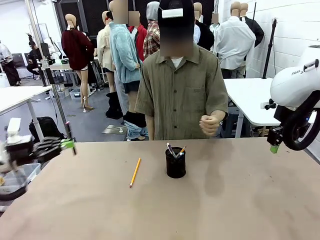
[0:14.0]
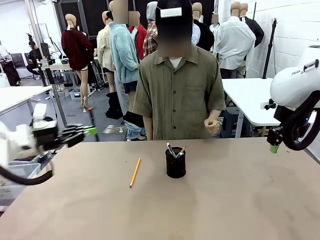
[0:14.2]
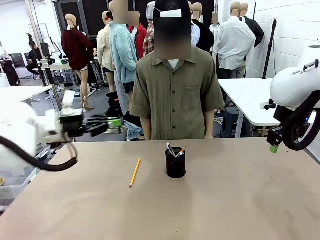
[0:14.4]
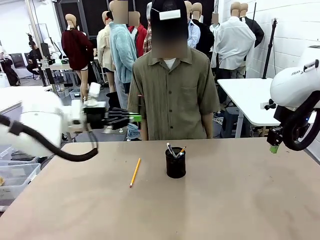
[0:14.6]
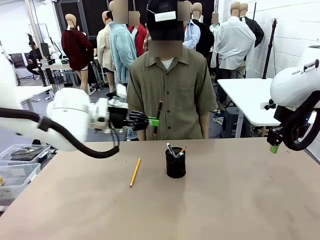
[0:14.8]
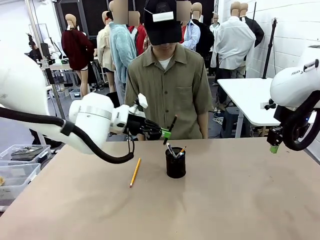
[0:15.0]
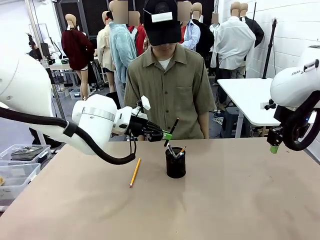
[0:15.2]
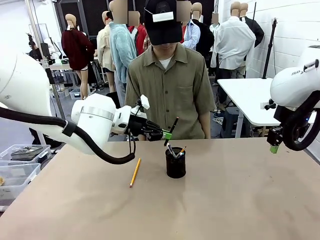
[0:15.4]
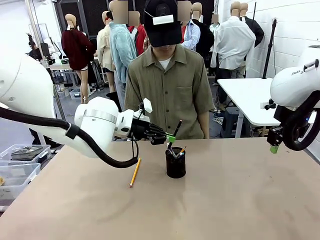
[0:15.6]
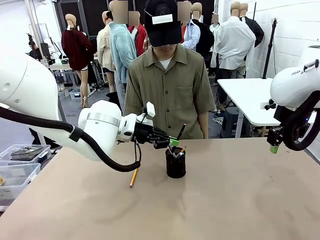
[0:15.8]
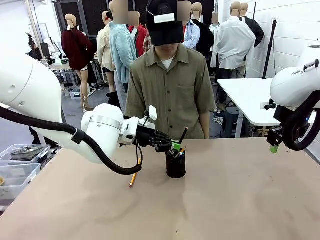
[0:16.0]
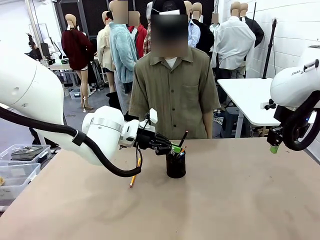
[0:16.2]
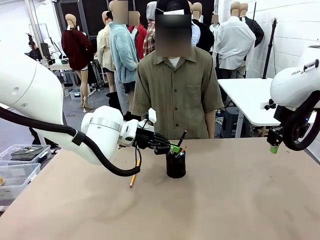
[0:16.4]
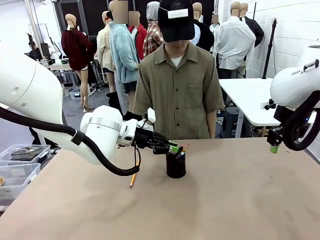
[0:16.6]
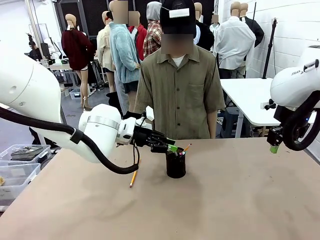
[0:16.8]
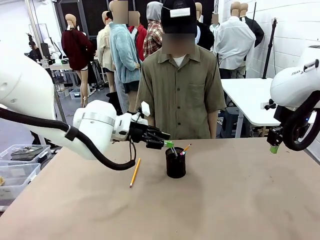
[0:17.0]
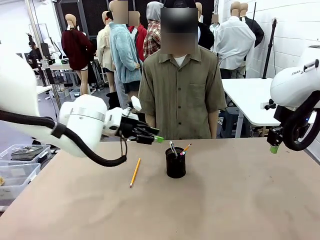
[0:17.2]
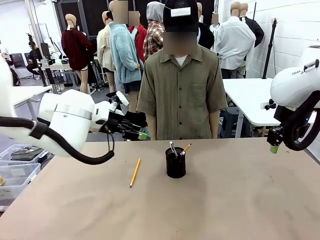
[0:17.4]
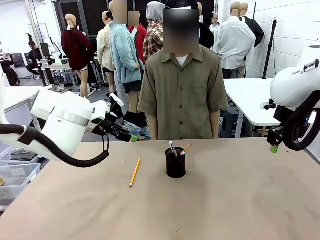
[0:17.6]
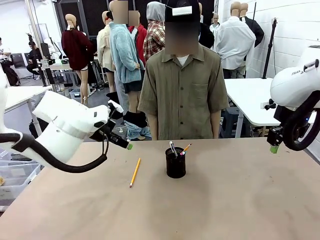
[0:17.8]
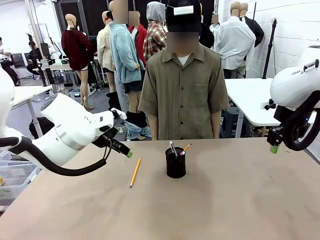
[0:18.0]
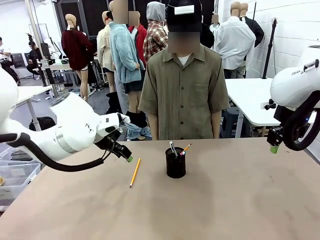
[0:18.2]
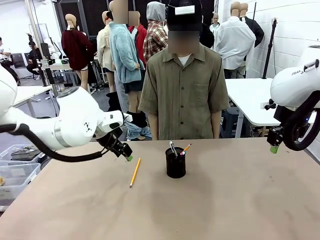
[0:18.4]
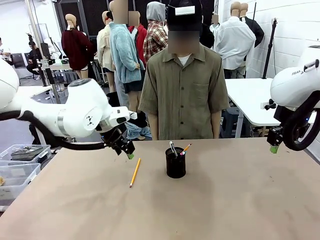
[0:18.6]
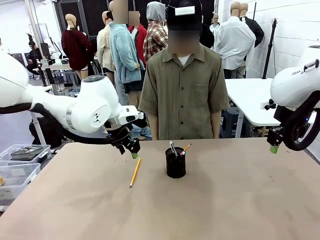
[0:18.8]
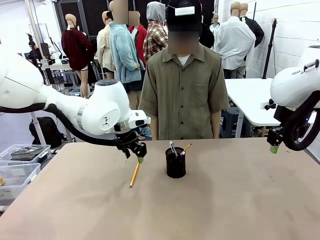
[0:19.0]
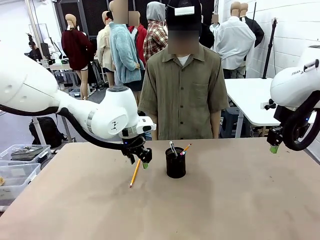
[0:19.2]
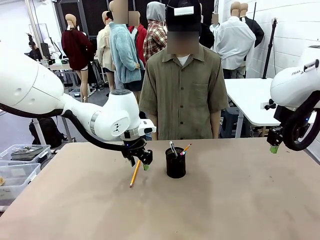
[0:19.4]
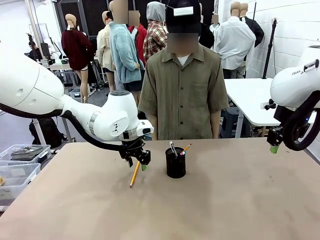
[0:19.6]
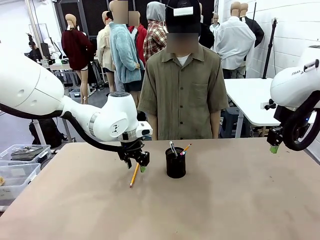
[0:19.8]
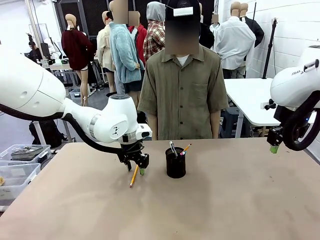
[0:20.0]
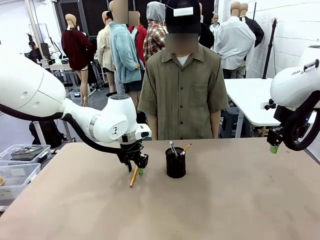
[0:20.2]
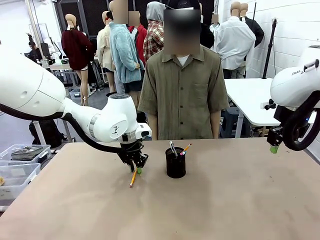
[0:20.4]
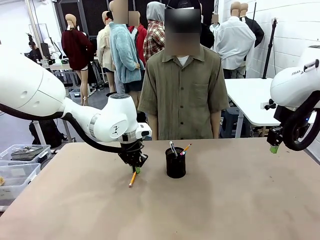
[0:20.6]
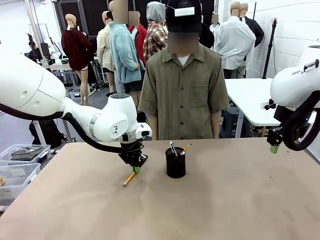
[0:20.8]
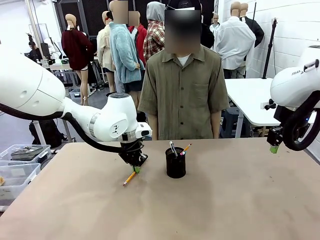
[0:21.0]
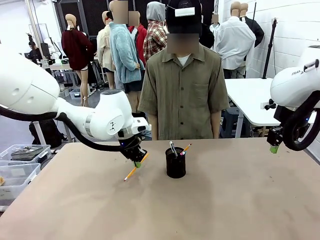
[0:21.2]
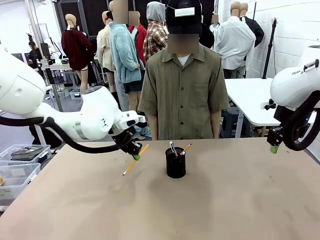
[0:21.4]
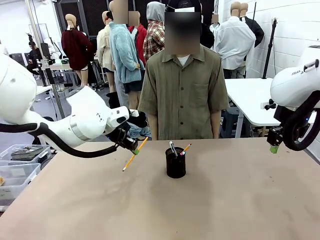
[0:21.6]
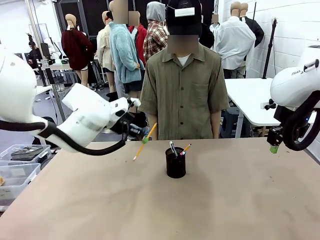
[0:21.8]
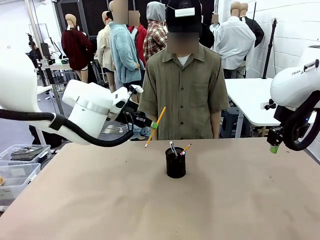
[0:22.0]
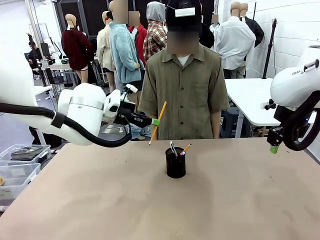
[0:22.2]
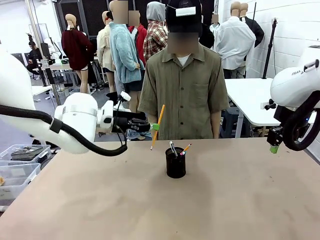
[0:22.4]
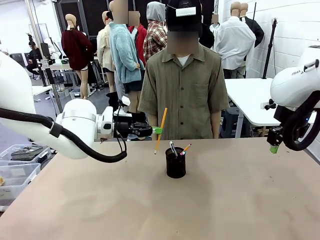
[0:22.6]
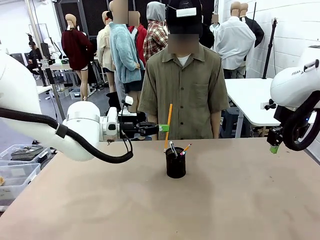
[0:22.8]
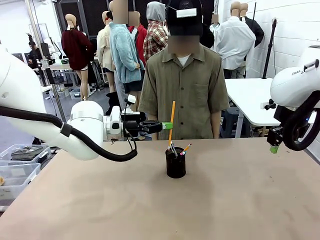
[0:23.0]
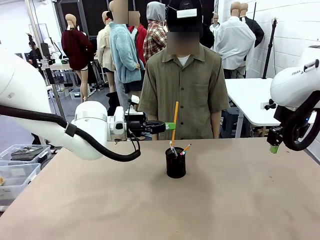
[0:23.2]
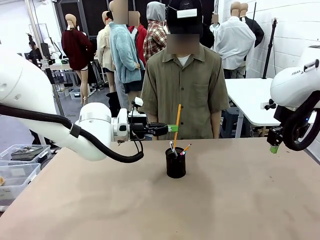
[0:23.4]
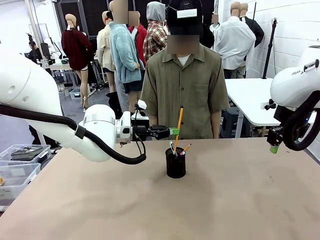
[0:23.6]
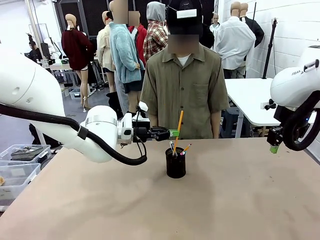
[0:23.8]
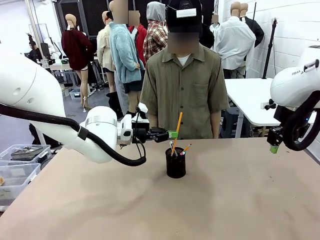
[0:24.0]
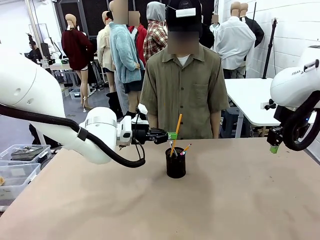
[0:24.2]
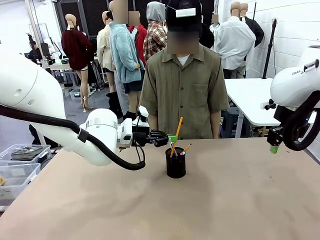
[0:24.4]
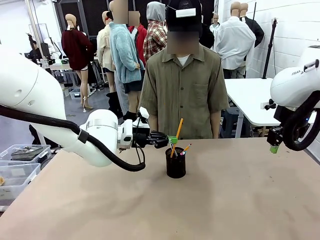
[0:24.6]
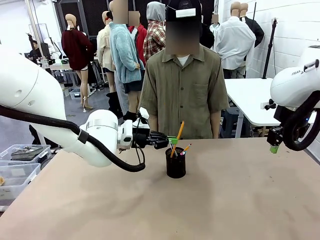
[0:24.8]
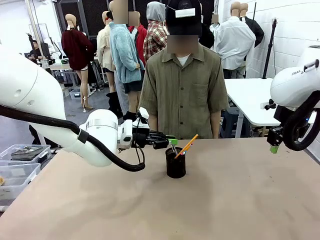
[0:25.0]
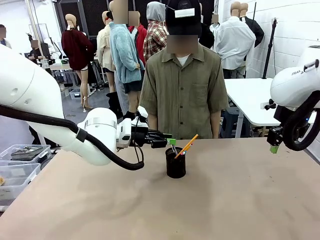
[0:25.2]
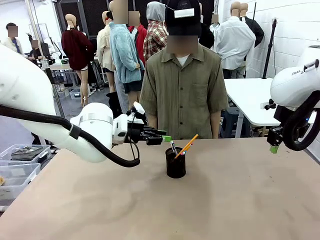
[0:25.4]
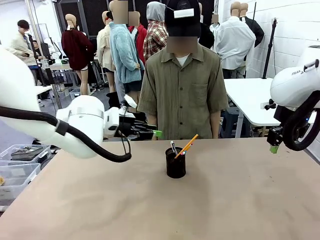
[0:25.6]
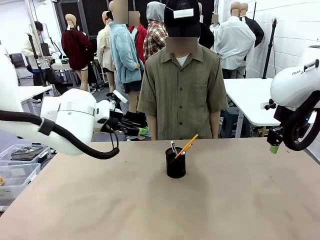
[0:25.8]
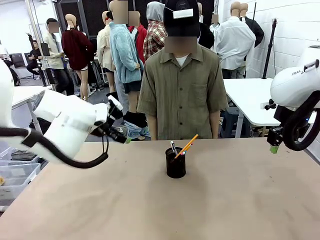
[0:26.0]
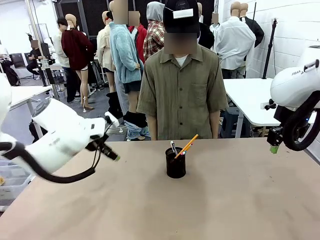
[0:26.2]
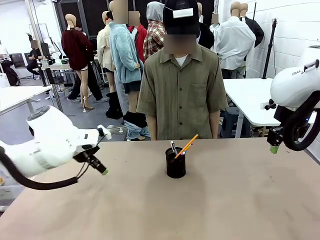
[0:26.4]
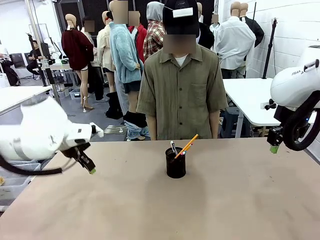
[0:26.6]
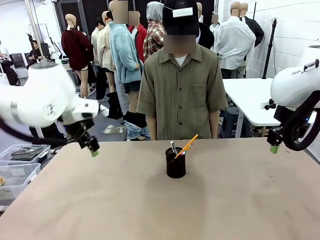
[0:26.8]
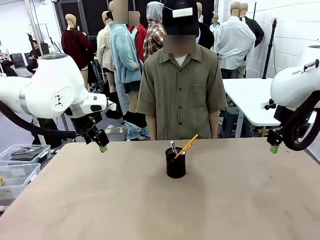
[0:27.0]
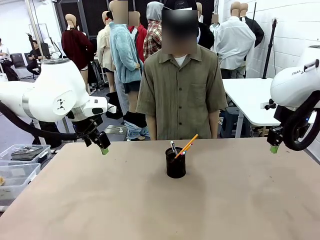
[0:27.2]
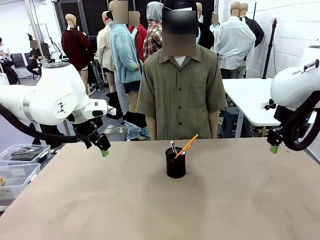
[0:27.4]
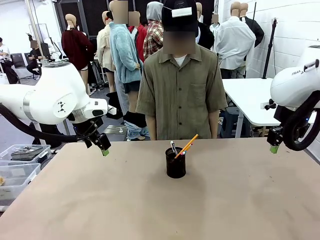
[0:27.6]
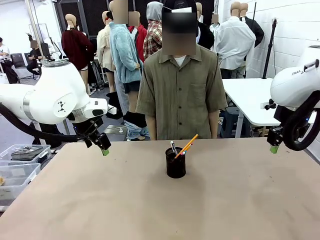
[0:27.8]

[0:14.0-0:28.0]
Task: Place the pens into the pen holder.
Robot: Pick up a writing instrument from the table and place it into the Pen holder.
Person: Place all writing instrument into the Pen holder.
